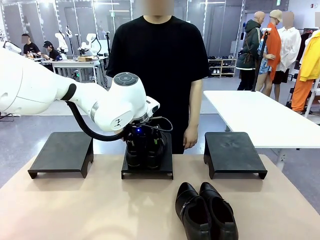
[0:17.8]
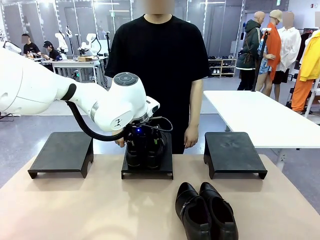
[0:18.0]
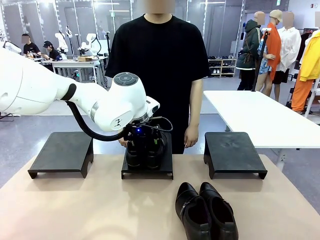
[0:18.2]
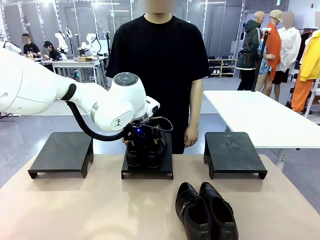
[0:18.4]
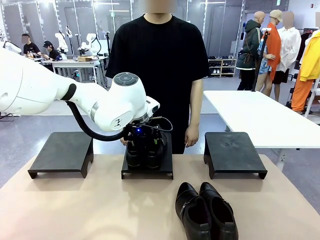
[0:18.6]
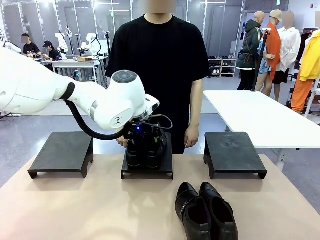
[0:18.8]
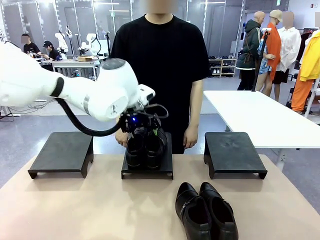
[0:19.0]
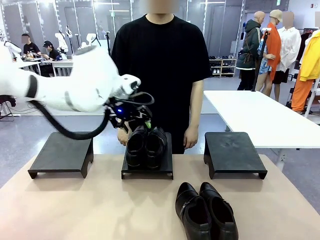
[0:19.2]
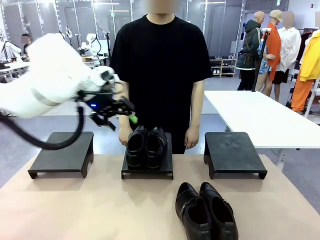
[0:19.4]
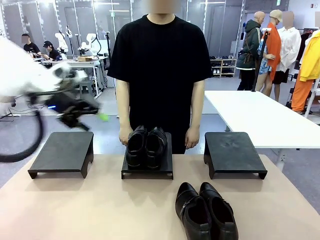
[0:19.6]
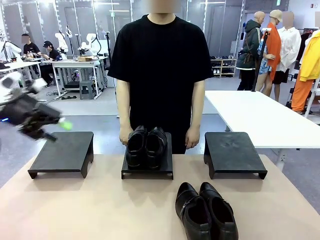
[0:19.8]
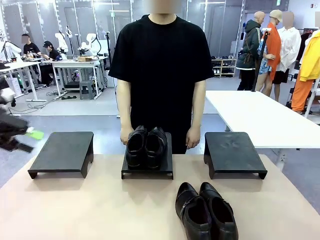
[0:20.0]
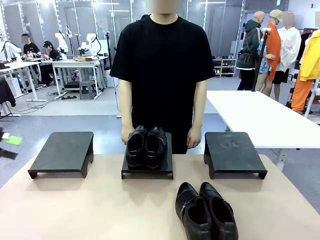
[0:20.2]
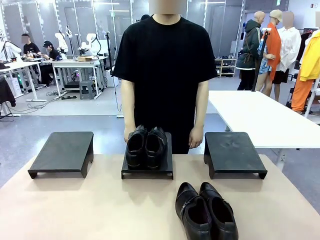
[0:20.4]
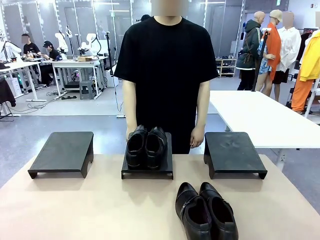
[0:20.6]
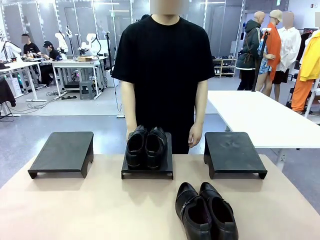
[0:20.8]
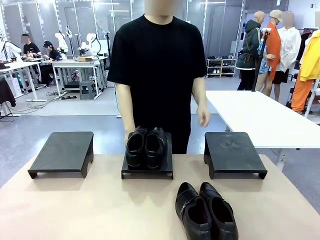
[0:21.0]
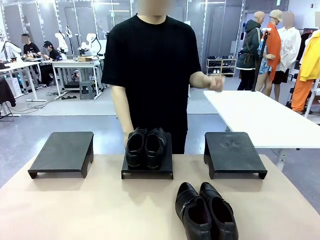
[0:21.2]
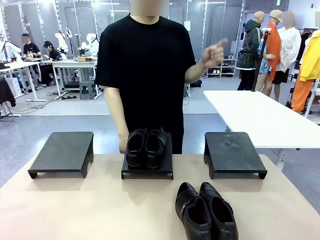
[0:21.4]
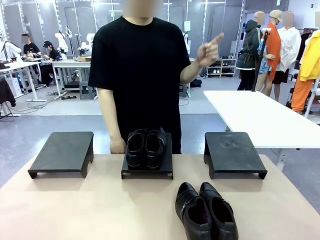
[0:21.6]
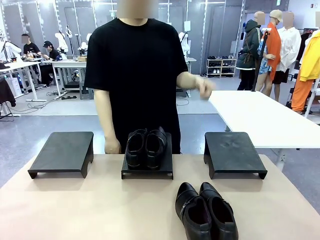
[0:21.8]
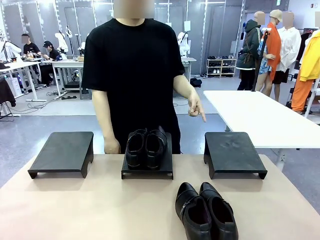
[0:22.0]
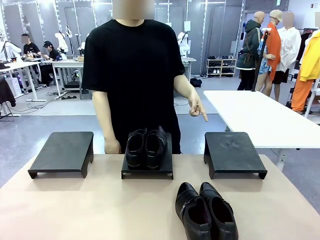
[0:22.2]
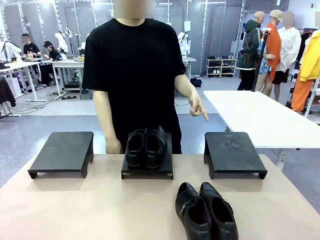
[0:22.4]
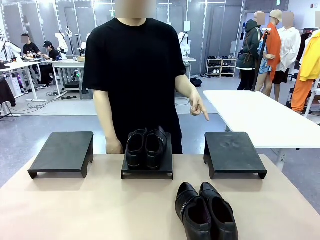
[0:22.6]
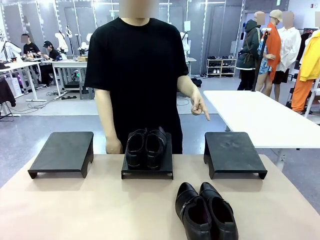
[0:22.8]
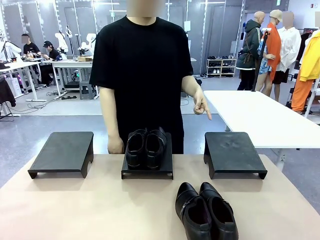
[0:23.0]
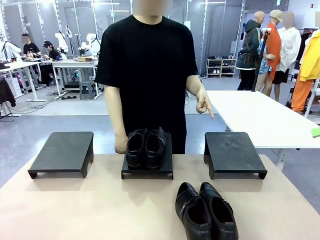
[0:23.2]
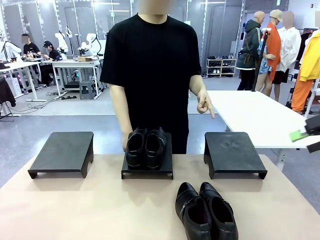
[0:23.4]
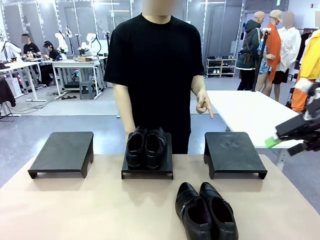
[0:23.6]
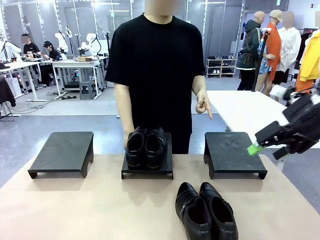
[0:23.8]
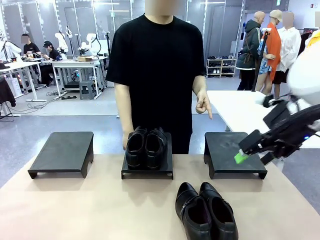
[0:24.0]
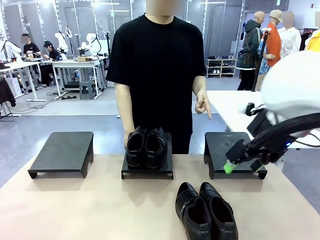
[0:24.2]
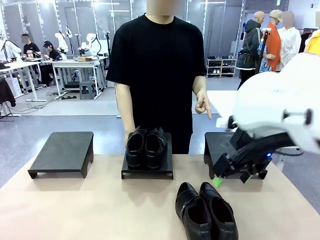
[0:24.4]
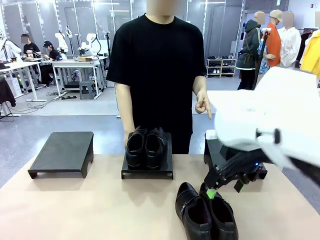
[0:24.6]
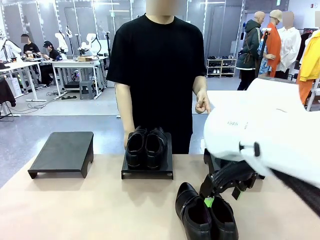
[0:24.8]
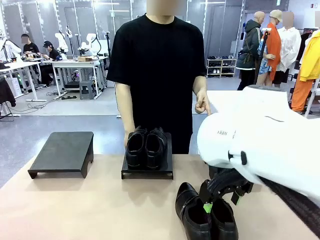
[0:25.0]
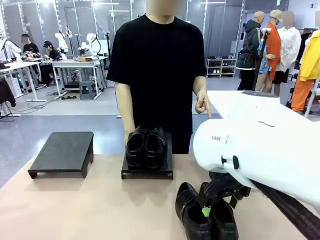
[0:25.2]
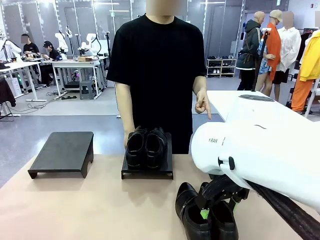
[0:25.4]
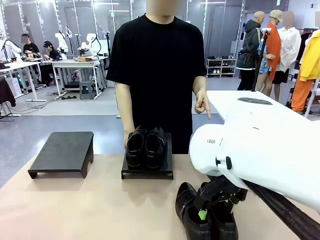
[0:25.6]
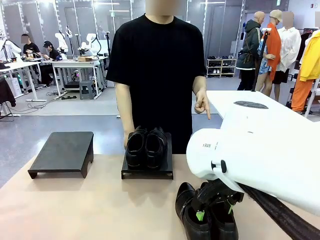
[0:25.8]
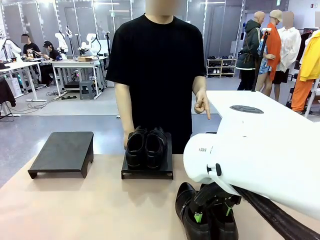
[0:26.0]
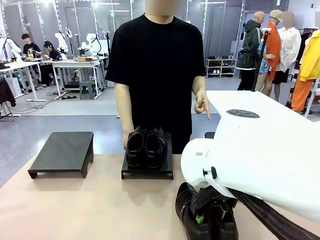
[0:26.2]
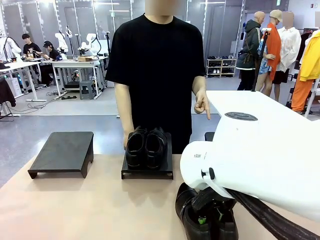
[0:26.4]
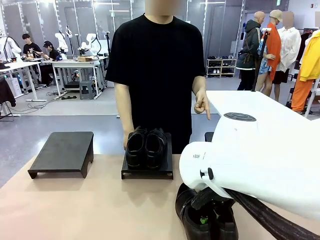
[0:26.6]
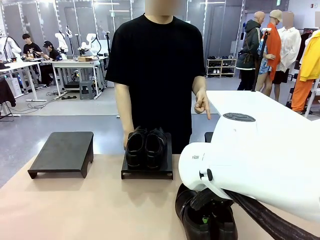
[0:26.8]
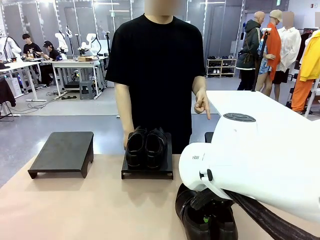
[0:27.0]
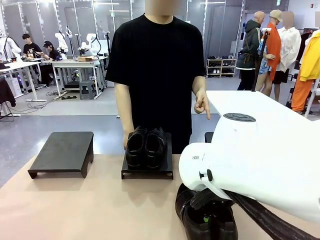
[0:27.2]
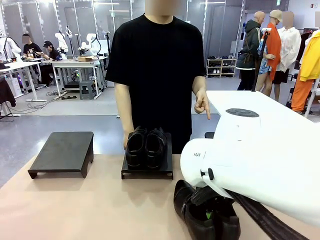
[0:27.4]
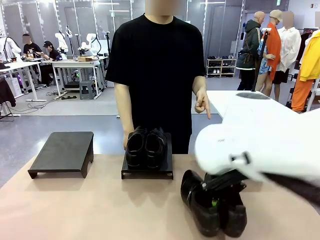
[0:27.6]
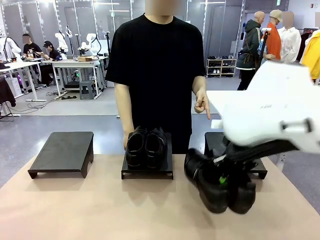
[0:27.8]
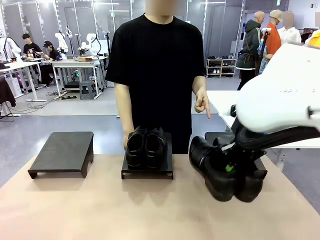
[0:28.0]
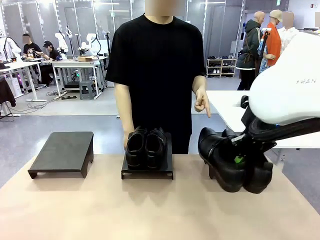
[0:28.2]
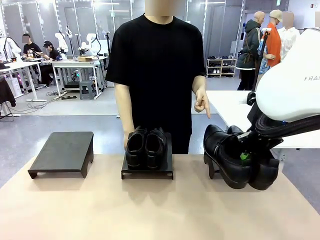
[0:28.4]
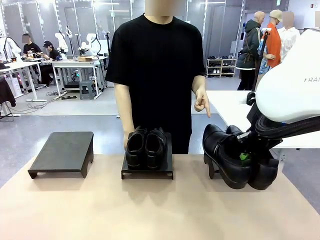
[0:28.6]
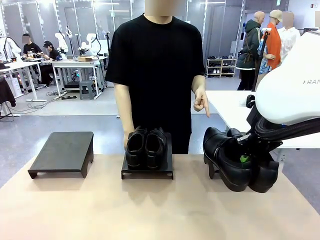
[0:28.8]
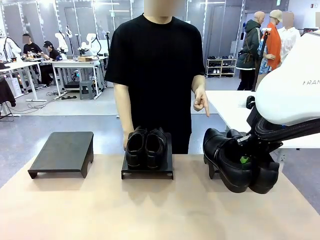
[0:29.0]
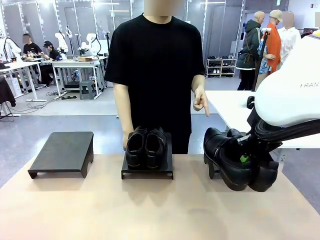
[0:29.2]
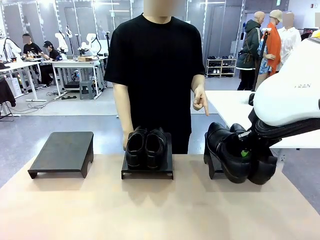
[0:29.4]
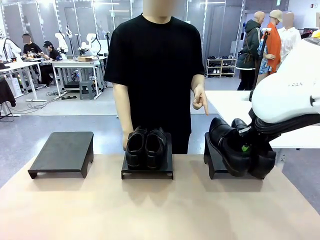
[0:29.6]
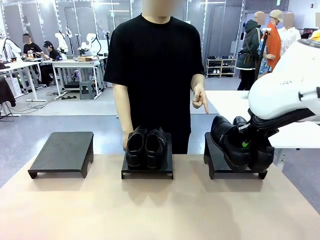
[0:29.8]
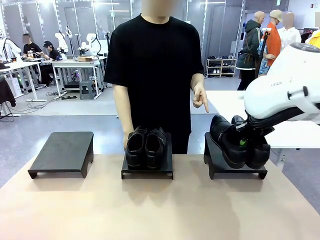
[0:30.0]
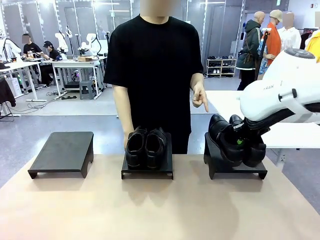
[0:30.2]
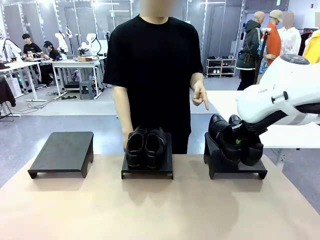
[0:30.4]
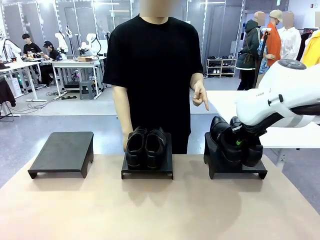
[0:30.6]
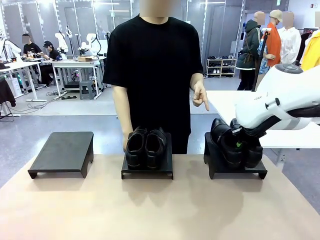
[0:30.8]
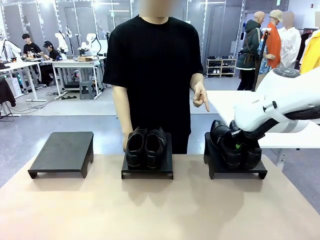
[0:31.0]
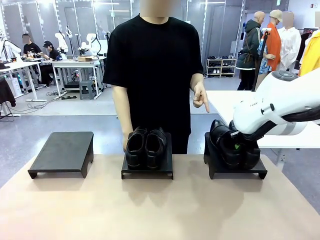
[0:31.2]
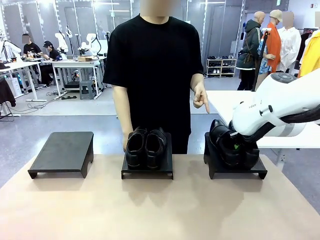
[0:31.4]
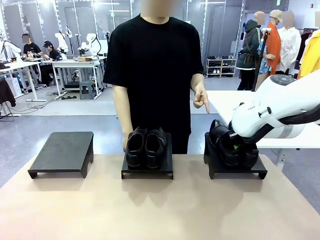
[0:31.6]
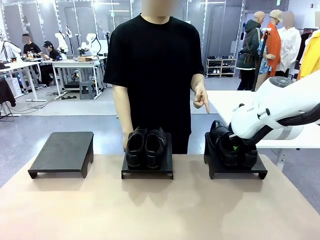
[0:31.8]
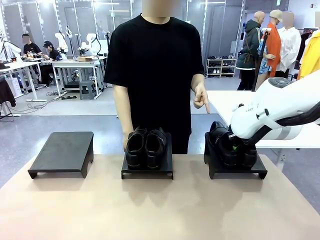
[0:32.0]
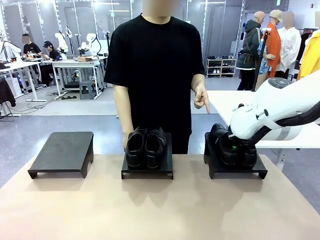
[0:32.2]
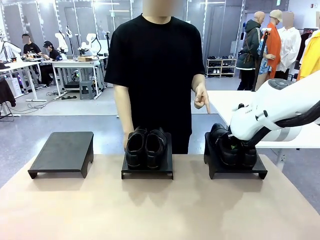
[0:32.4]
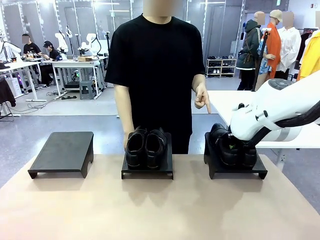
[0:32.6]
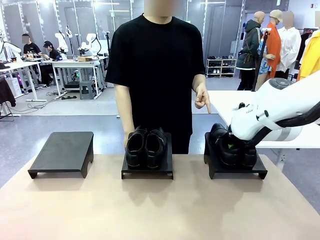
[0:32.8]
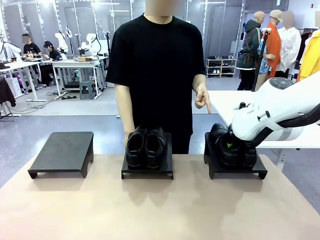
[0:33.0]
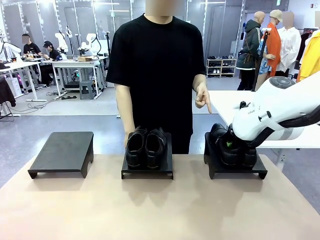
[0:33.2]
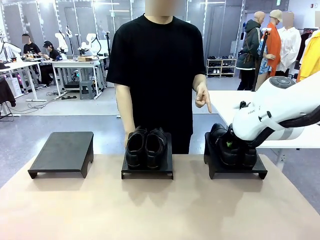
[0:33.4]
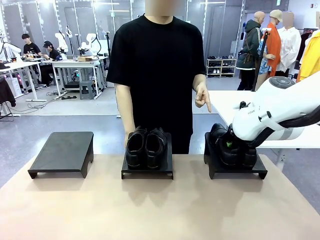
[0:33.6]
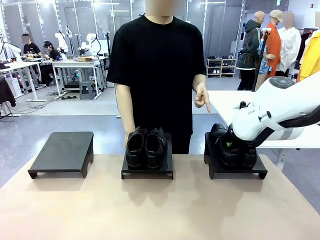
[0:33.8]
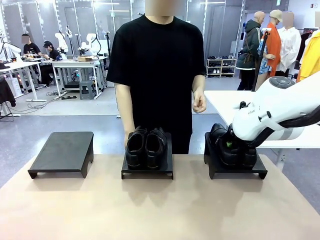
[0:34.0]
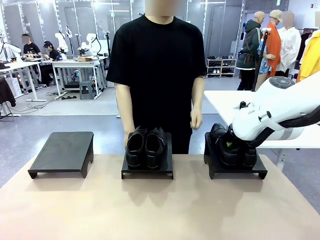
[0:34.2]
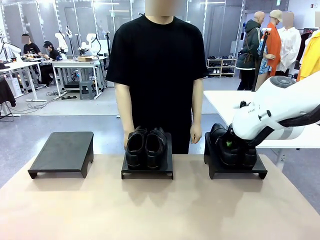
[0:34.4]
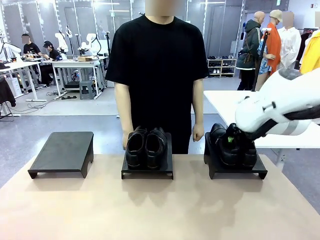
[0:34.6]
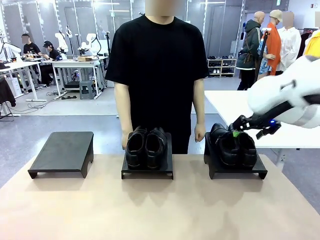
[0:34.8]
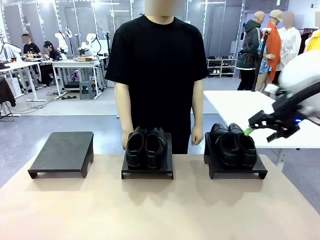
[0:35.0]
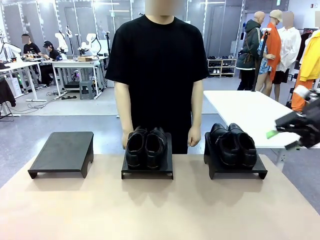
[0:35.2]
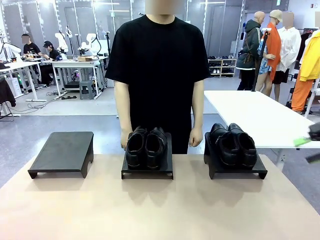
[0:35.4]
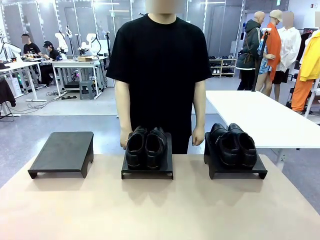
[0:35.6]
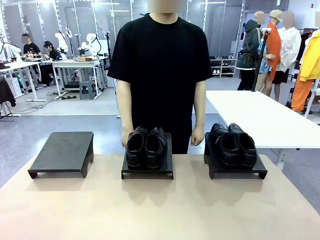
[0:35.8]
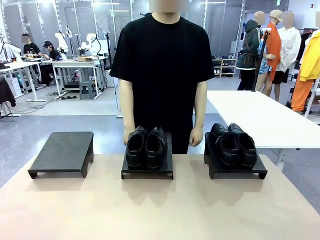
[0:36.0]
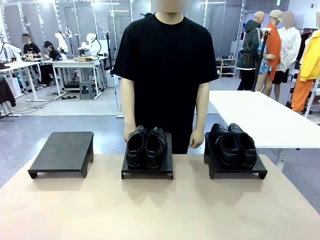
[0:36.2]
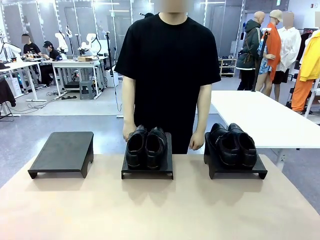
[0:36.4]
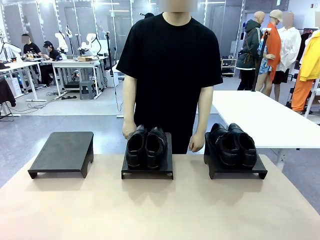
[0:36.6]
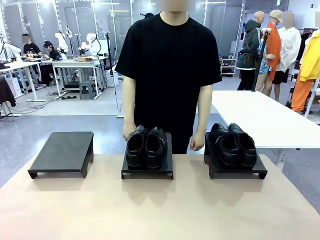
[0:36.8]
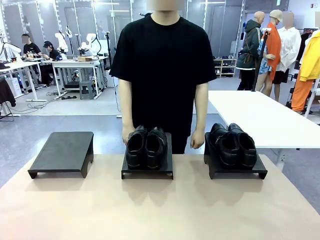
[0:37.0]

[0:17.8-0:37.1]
Task: Place the shoes on the stand as instructed by the person.
Robot: Pick up another pair of Shoes and place it on the Shoes Stand indicated by the person.
Person: Point to one Shoes Stand.
